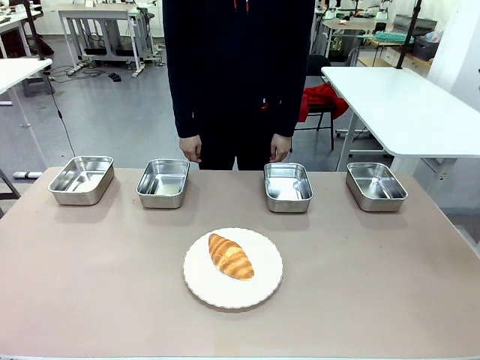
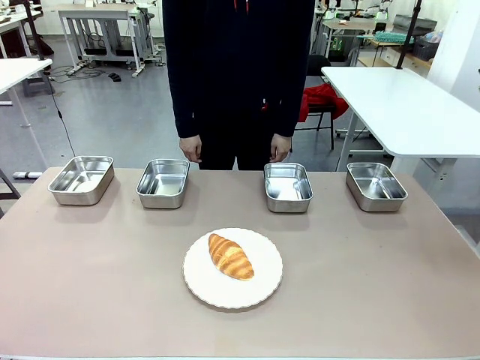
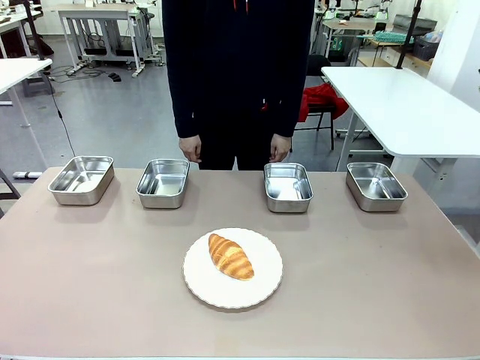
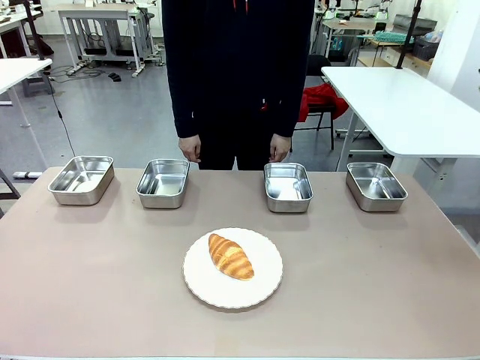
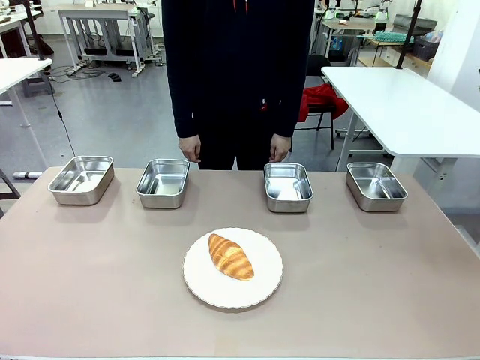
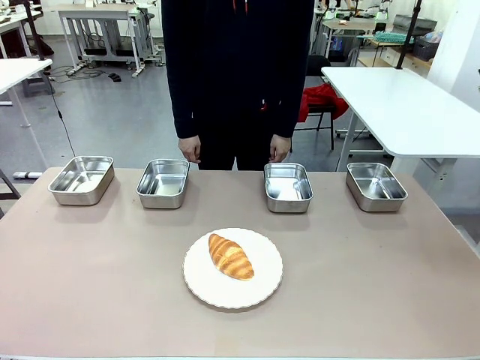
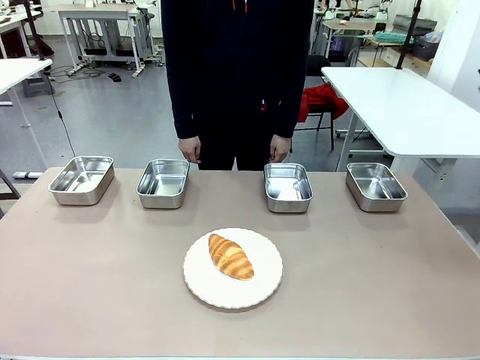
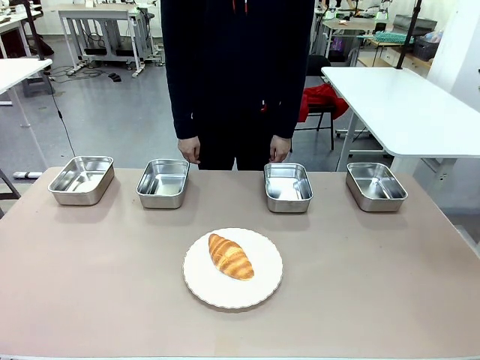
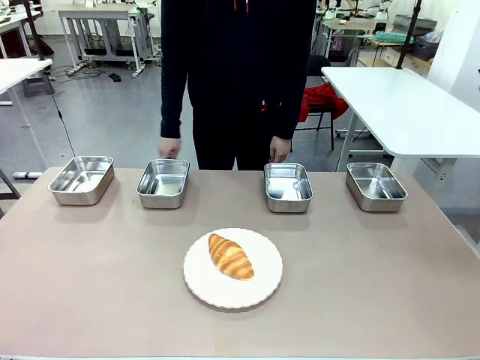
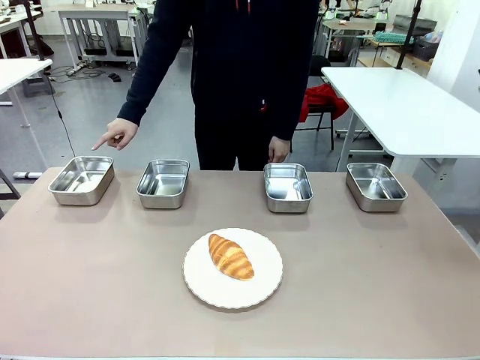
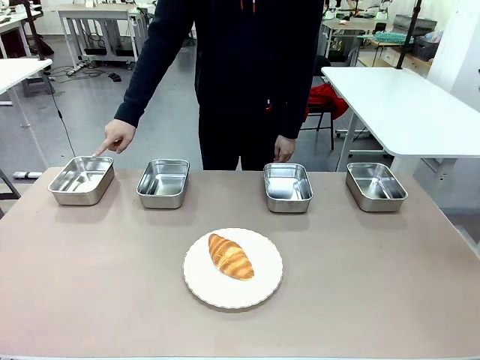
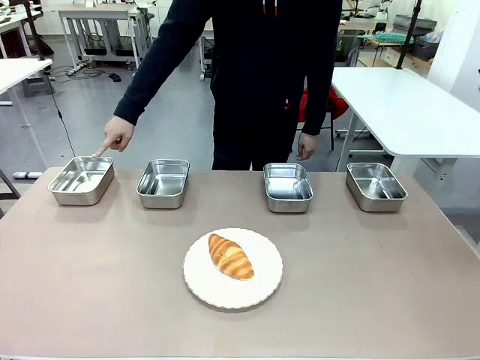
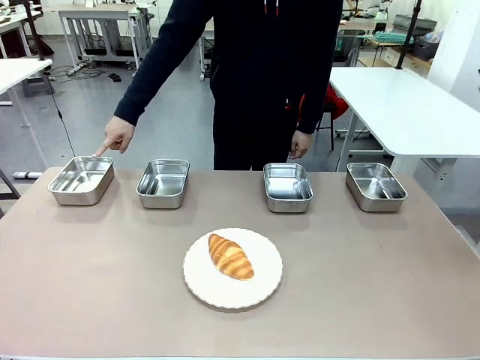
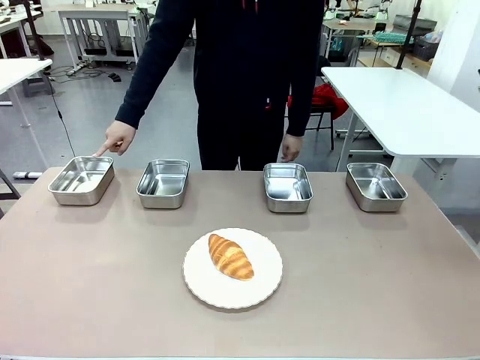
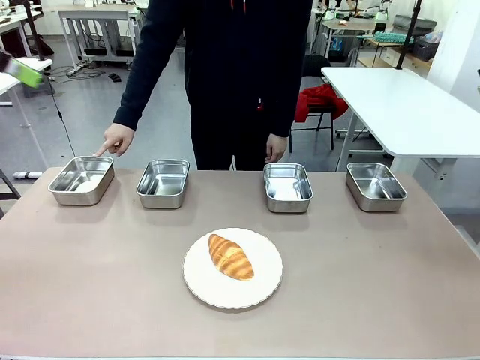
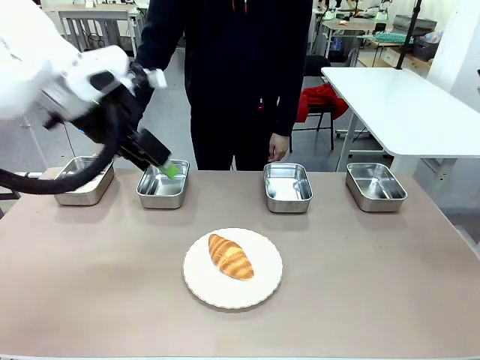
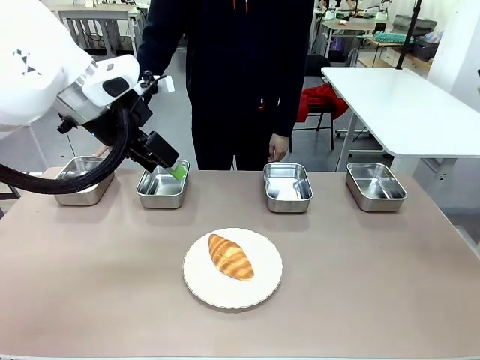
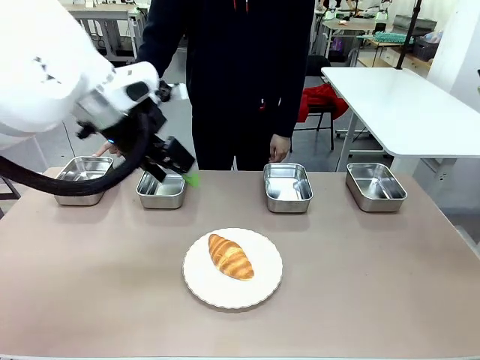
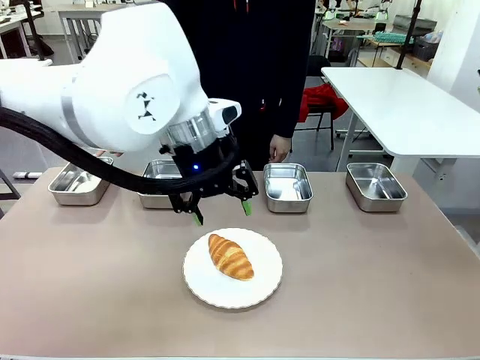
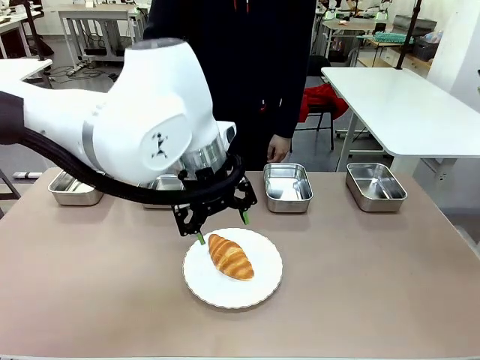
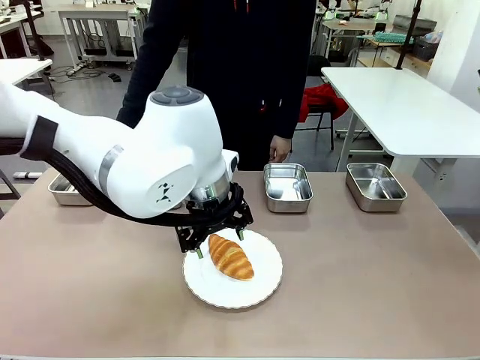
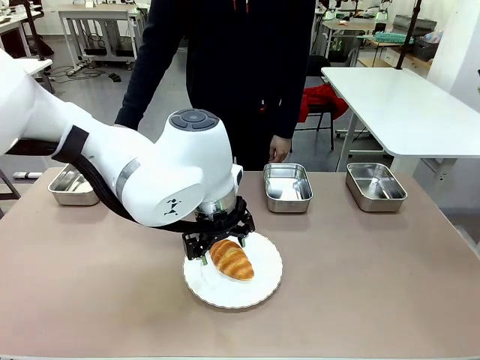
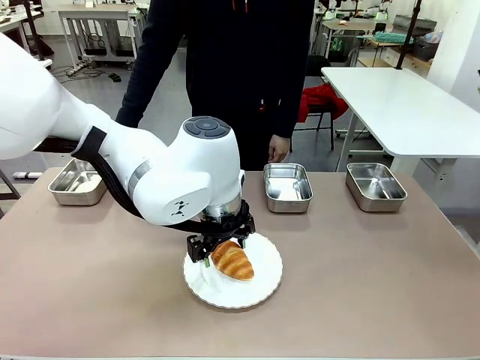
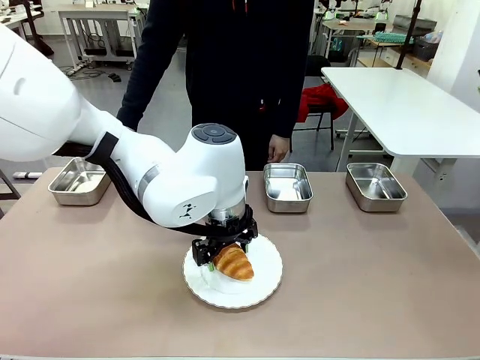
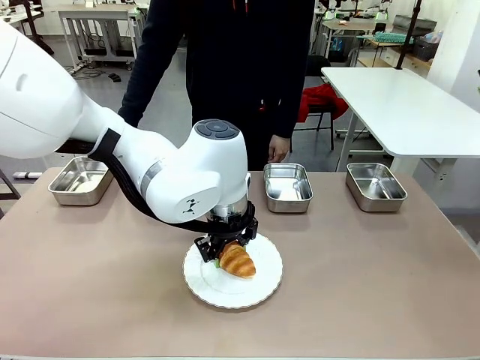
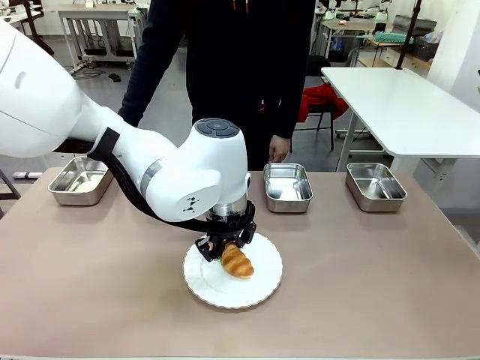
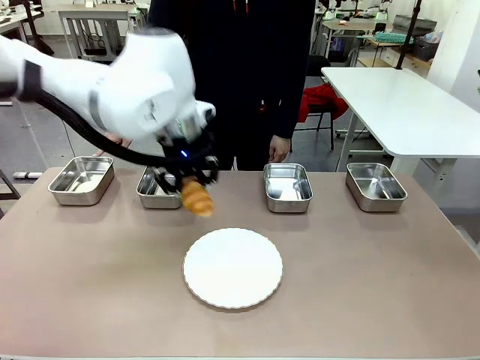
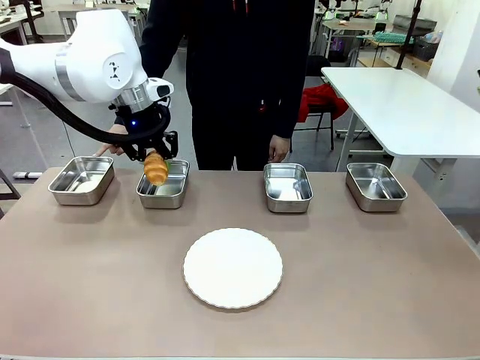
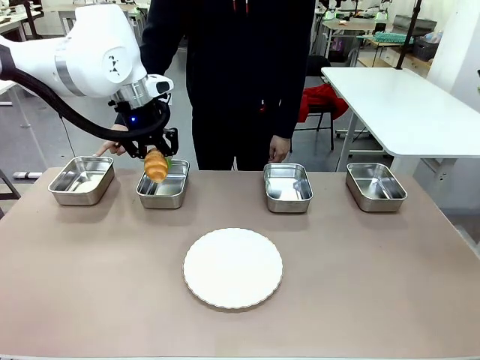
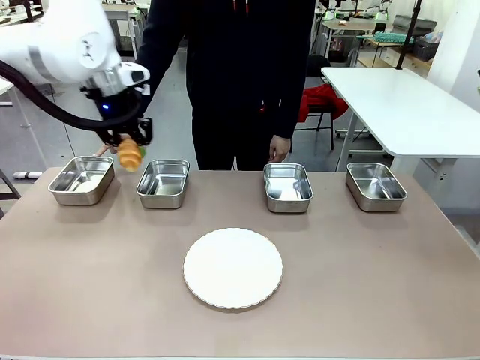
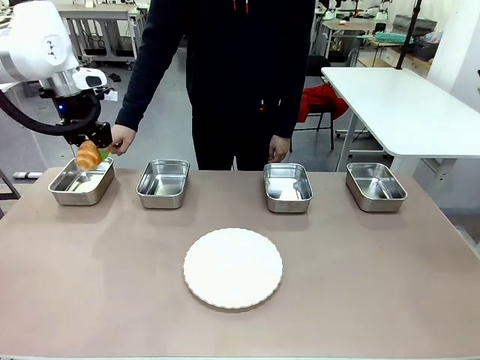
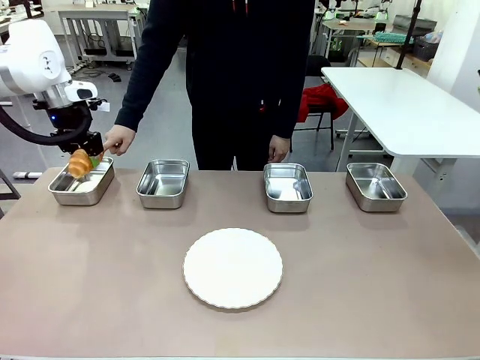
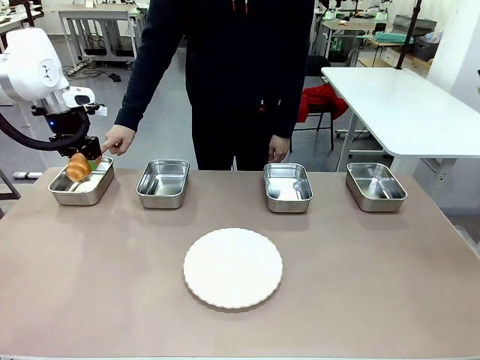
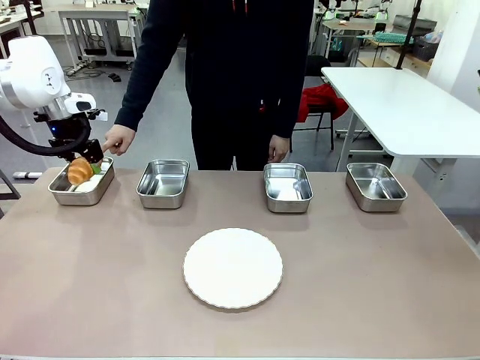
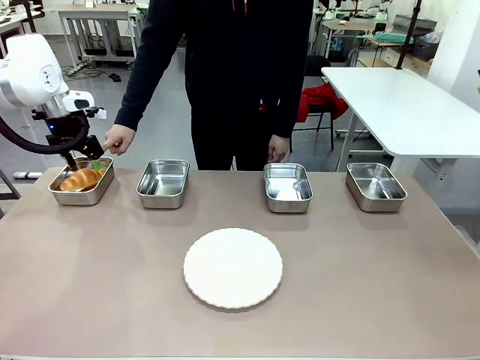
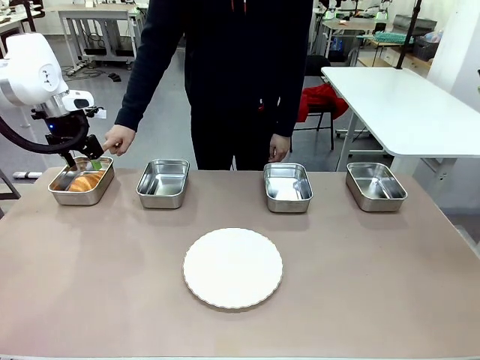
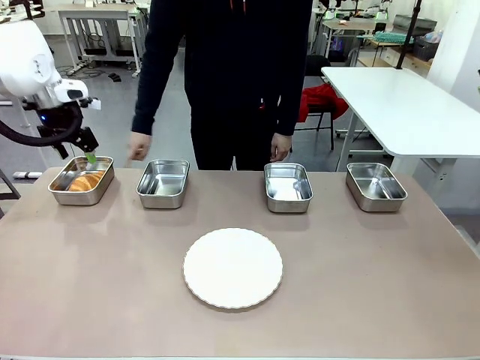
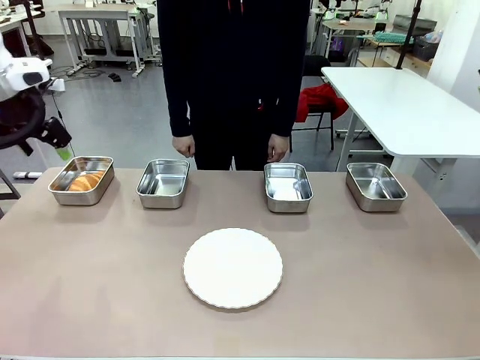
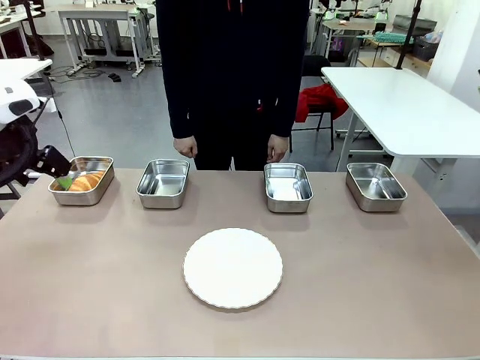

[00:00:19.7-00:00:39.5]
Task: Place the bread in the container.
Robot: Place the Butter Roll into the Airtight Container indicated by the human.
Person: A person randomly selects and points to an Airtight Container.

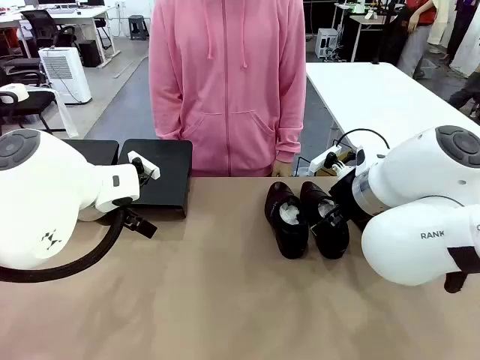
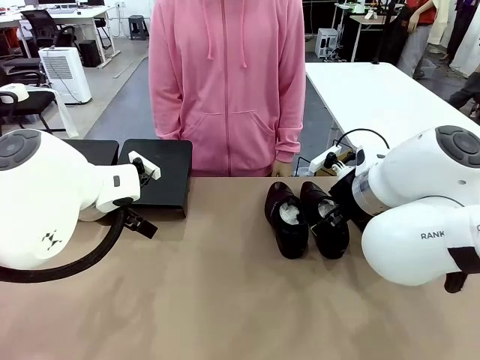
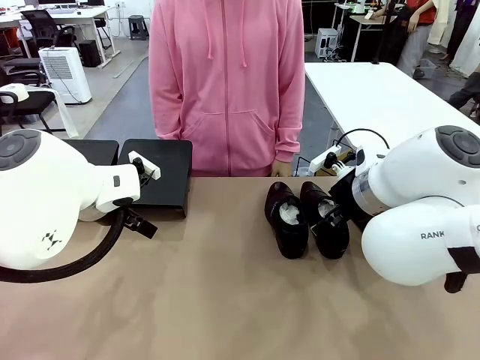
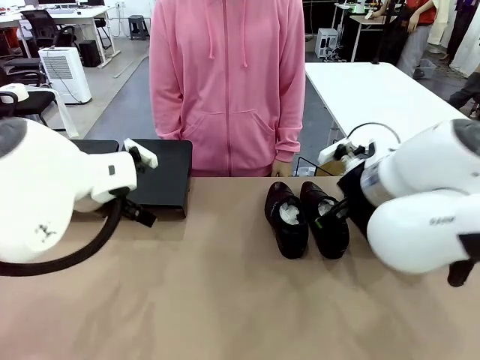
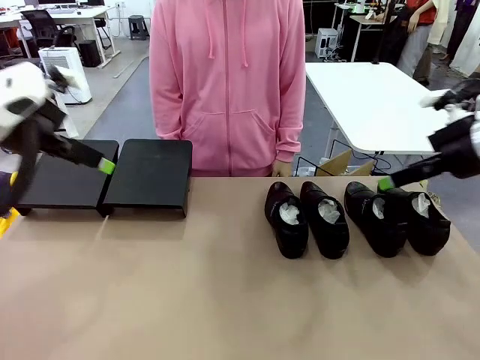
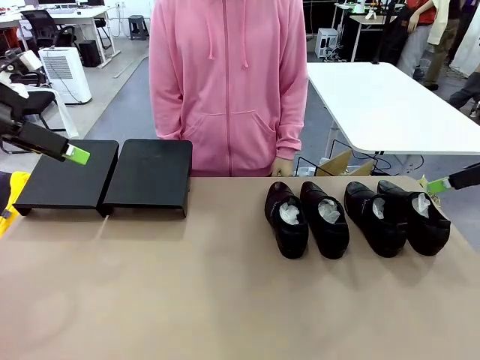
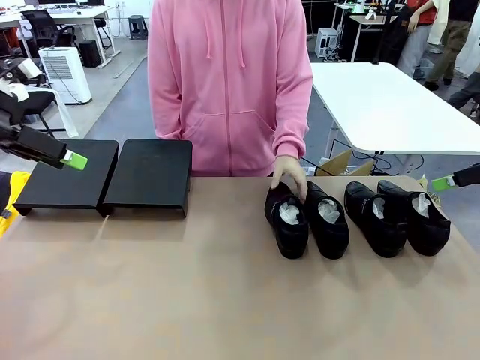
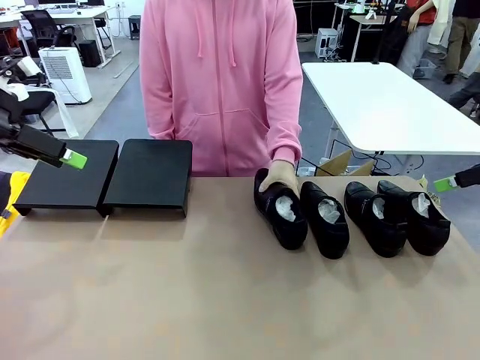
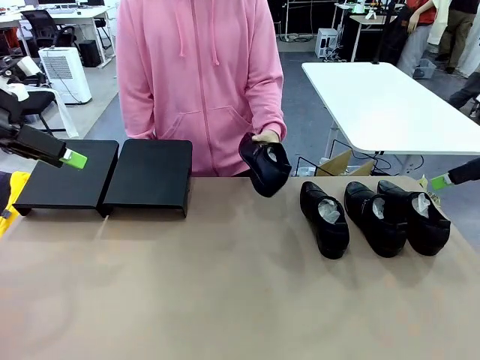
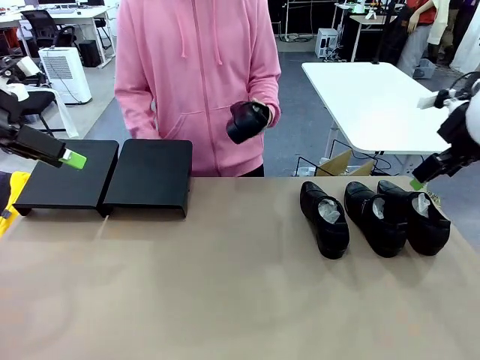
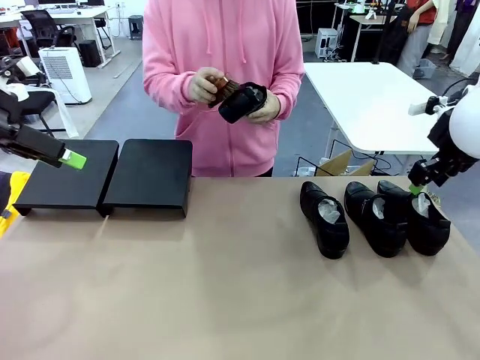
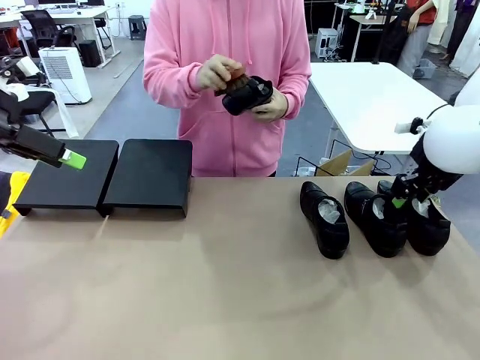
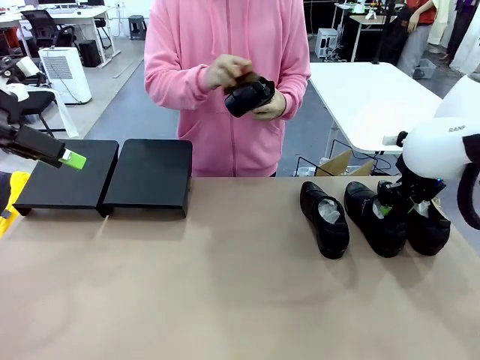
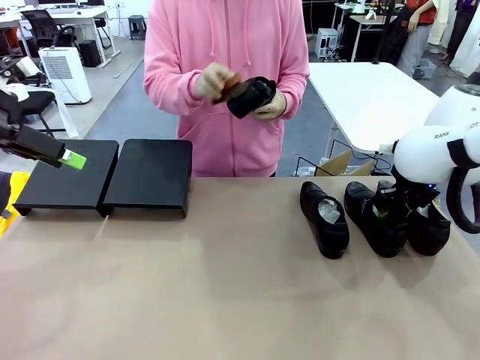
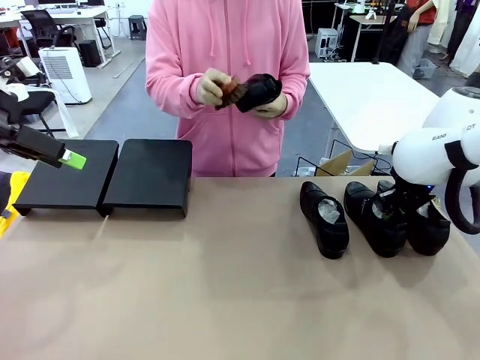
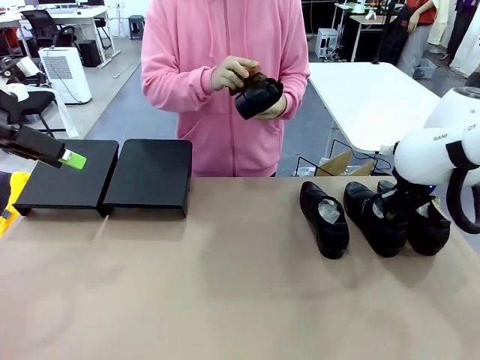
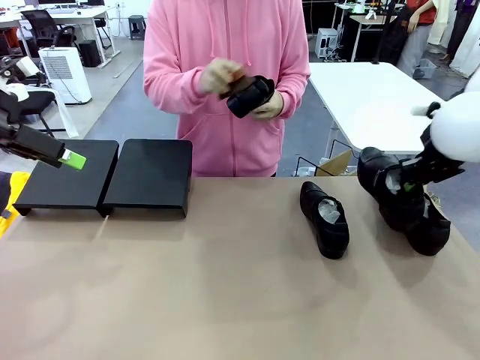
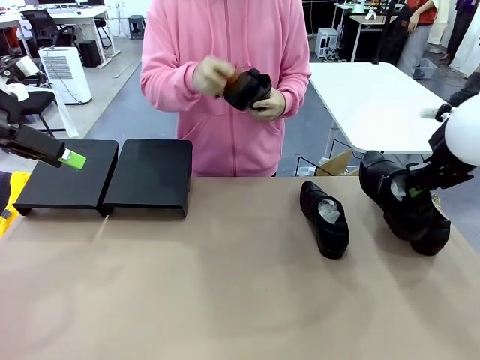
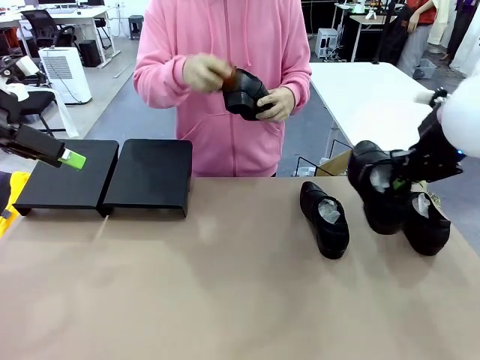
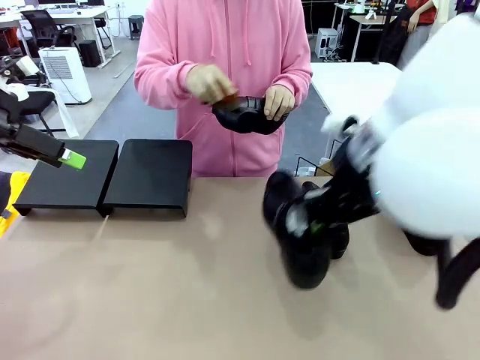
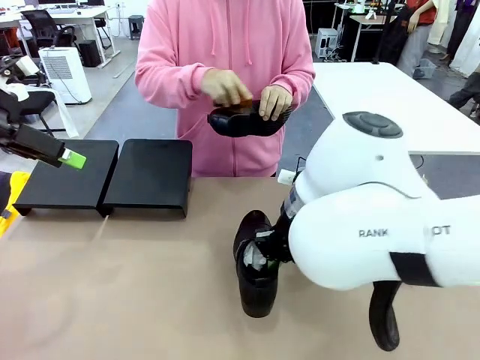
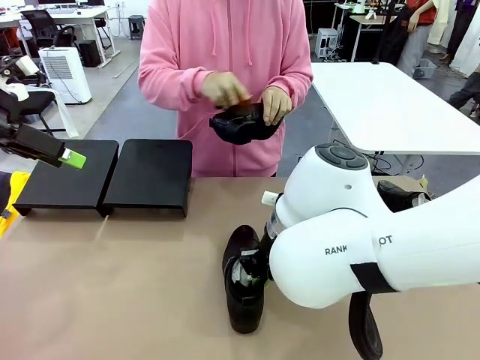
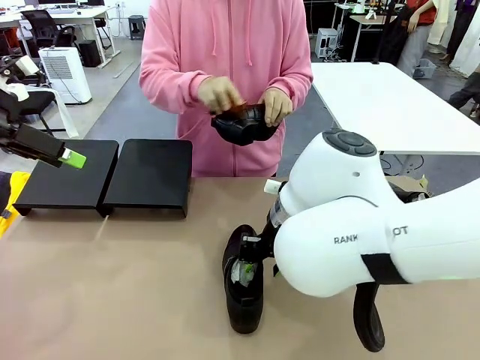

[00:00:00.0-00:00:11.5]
Task: Organize the shoes by placing them on the stand.
Robot: Pick up one Shoe and place it in the middle of the table.
Person: Pick one Shoe on Robot's table.
